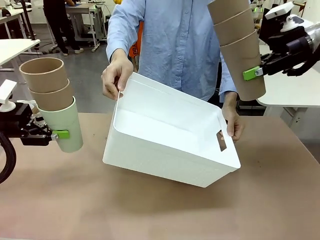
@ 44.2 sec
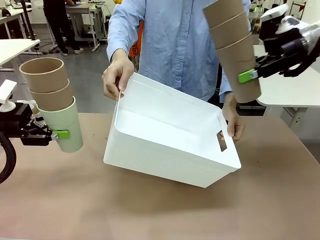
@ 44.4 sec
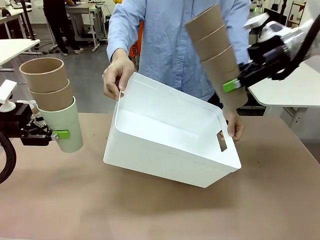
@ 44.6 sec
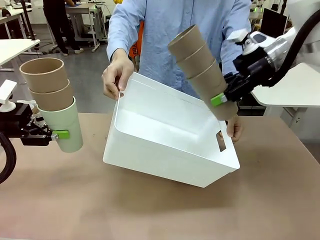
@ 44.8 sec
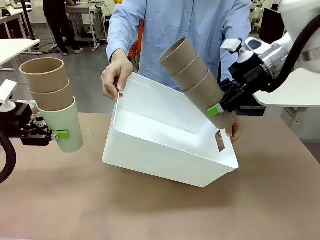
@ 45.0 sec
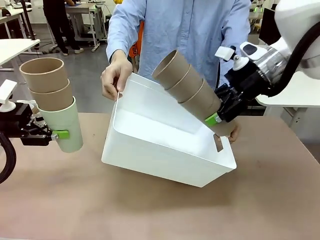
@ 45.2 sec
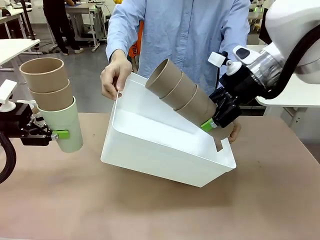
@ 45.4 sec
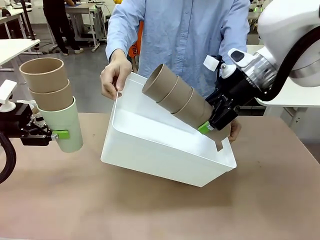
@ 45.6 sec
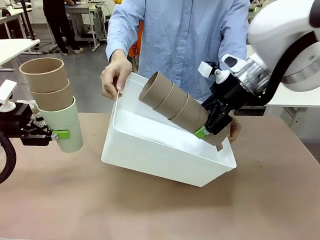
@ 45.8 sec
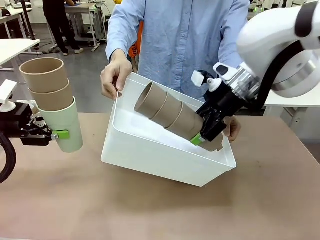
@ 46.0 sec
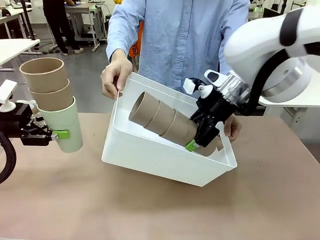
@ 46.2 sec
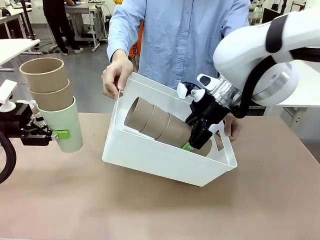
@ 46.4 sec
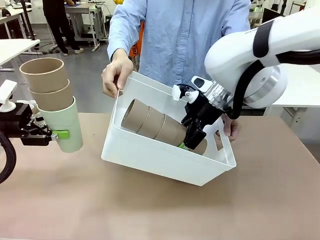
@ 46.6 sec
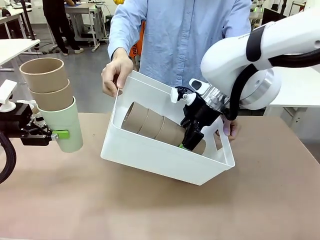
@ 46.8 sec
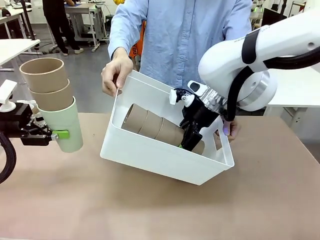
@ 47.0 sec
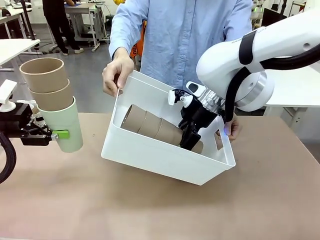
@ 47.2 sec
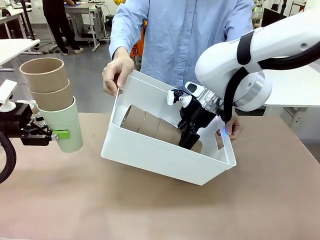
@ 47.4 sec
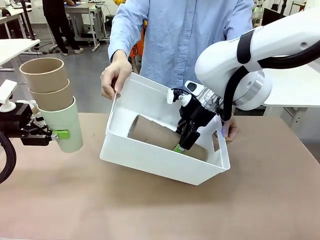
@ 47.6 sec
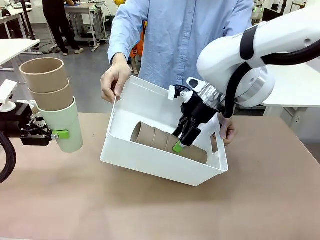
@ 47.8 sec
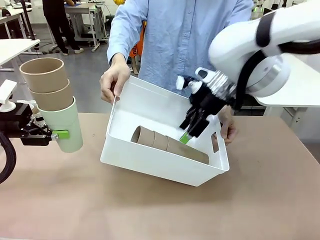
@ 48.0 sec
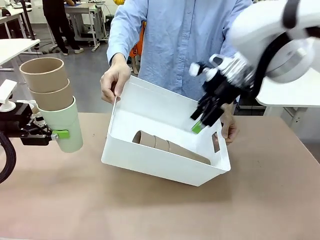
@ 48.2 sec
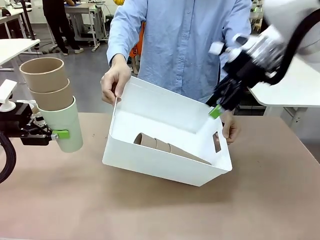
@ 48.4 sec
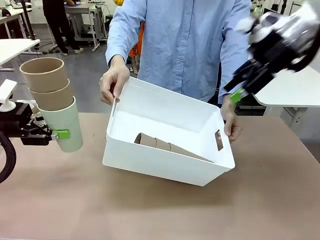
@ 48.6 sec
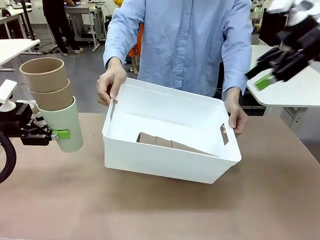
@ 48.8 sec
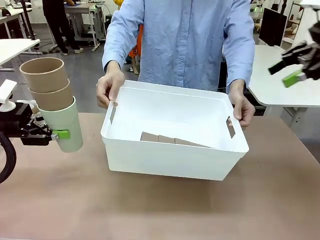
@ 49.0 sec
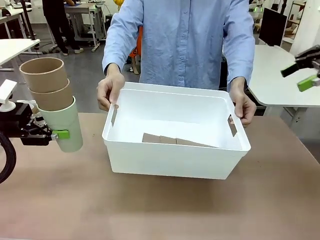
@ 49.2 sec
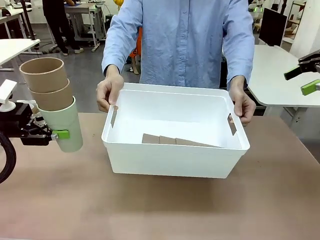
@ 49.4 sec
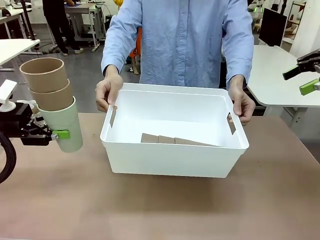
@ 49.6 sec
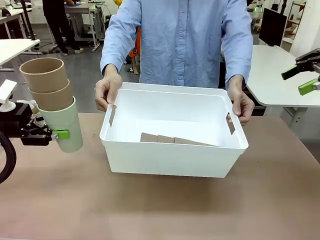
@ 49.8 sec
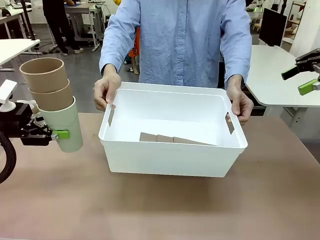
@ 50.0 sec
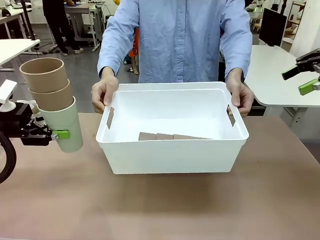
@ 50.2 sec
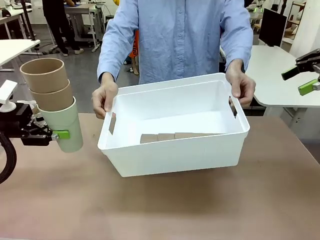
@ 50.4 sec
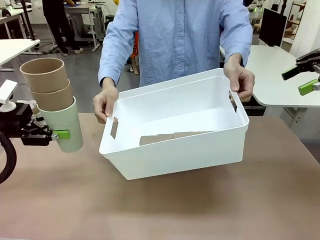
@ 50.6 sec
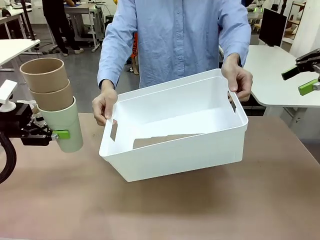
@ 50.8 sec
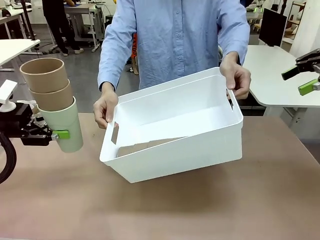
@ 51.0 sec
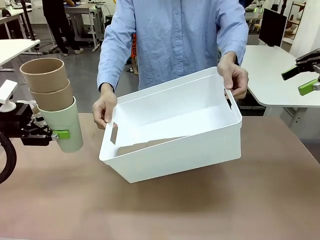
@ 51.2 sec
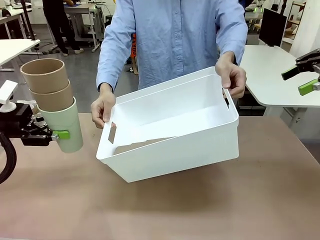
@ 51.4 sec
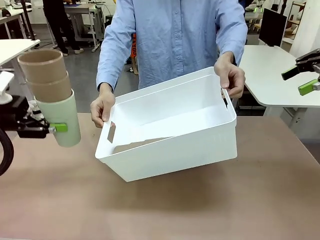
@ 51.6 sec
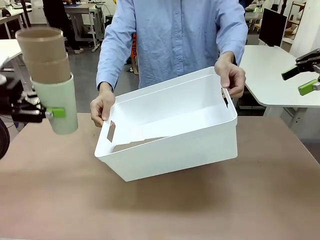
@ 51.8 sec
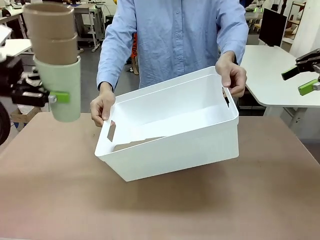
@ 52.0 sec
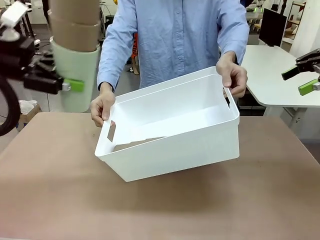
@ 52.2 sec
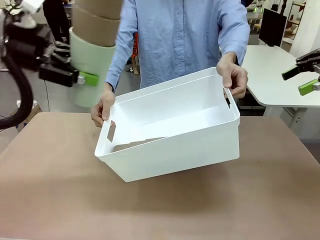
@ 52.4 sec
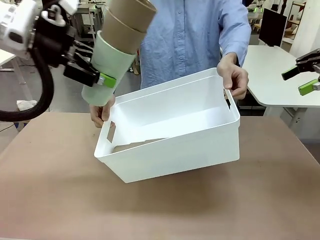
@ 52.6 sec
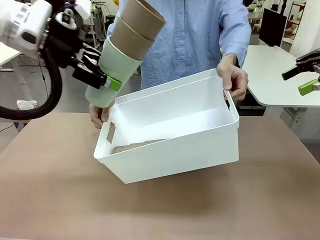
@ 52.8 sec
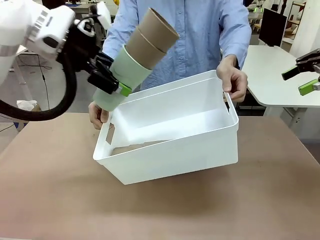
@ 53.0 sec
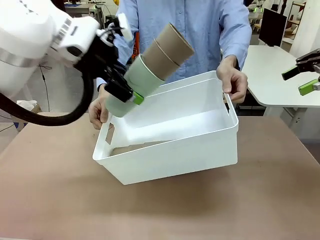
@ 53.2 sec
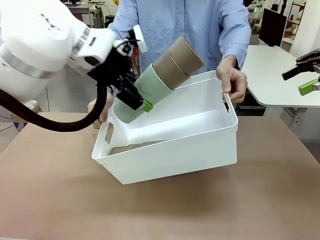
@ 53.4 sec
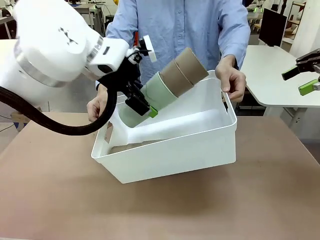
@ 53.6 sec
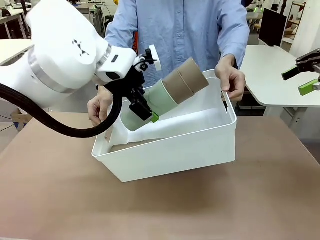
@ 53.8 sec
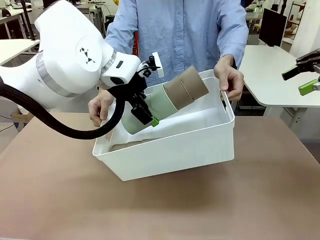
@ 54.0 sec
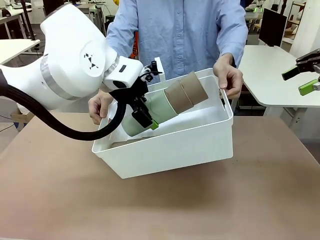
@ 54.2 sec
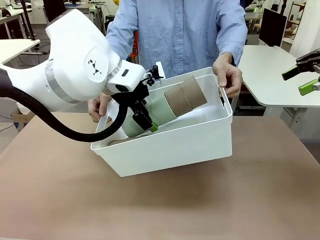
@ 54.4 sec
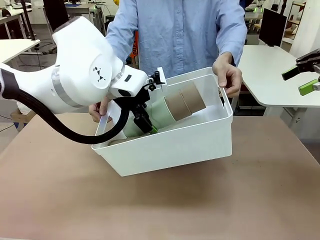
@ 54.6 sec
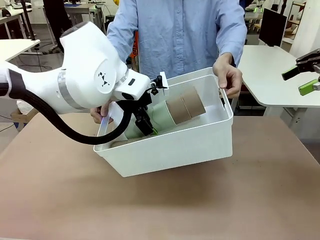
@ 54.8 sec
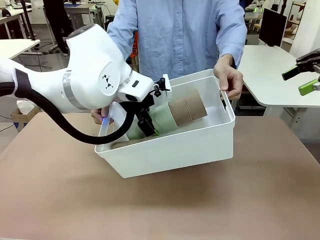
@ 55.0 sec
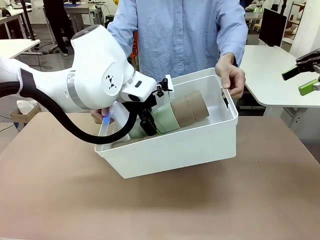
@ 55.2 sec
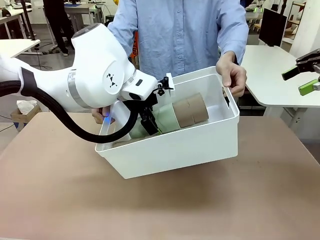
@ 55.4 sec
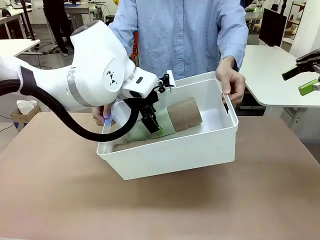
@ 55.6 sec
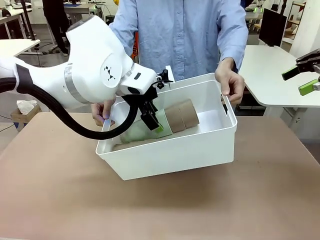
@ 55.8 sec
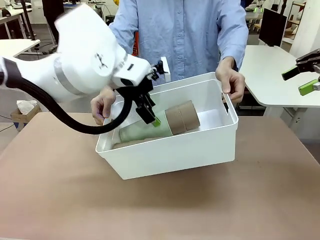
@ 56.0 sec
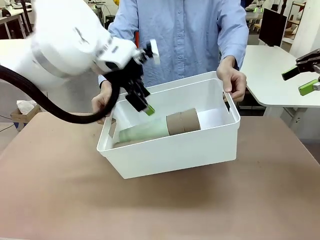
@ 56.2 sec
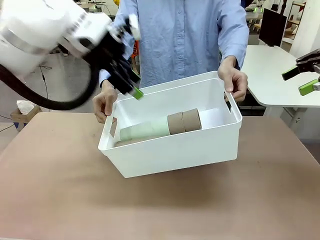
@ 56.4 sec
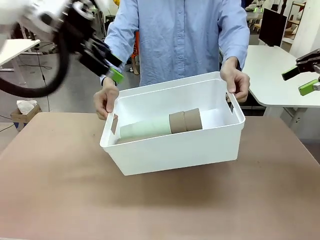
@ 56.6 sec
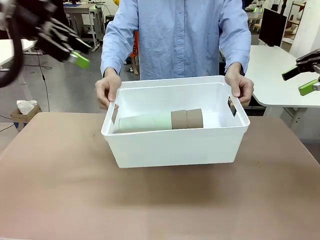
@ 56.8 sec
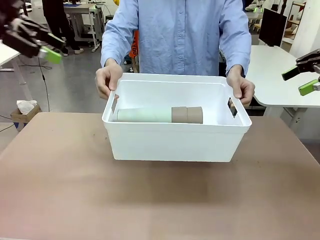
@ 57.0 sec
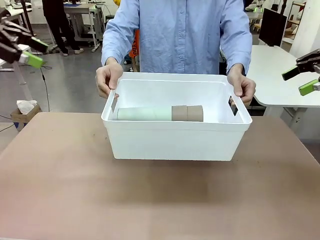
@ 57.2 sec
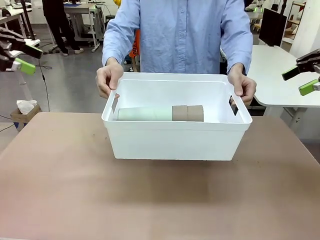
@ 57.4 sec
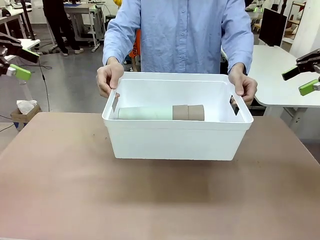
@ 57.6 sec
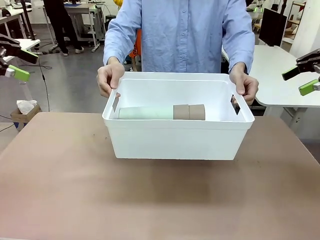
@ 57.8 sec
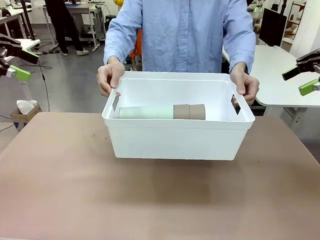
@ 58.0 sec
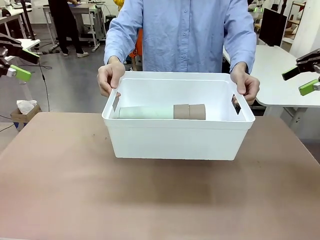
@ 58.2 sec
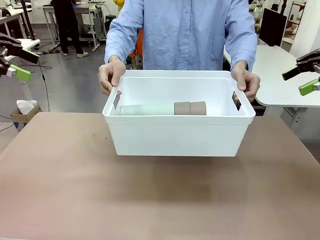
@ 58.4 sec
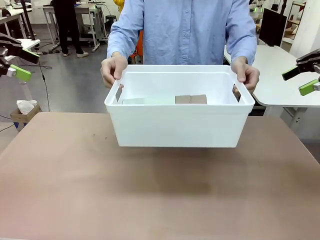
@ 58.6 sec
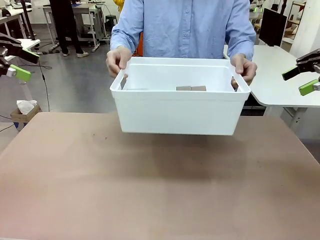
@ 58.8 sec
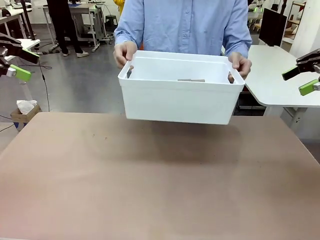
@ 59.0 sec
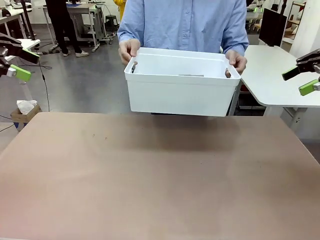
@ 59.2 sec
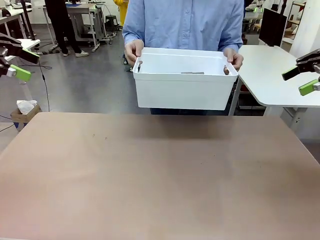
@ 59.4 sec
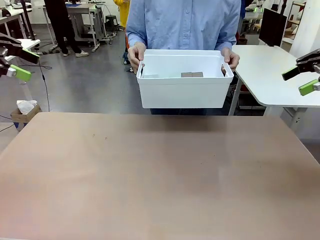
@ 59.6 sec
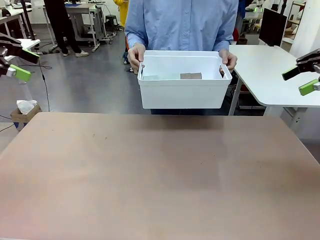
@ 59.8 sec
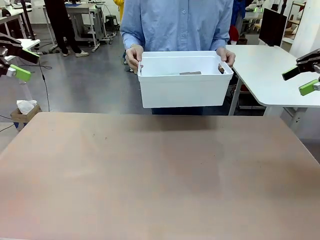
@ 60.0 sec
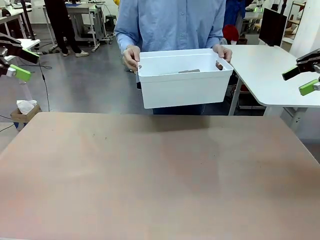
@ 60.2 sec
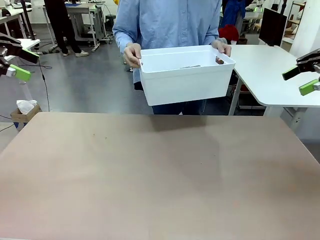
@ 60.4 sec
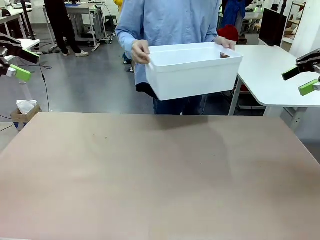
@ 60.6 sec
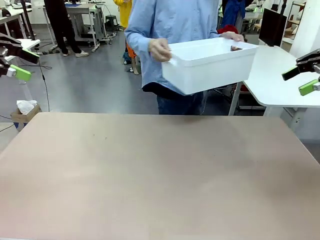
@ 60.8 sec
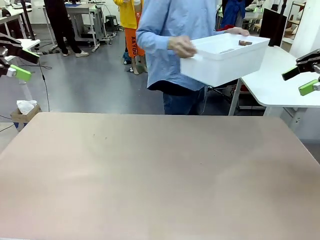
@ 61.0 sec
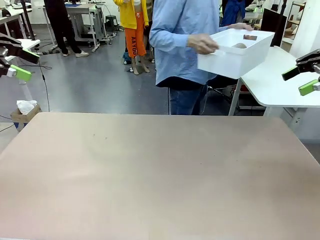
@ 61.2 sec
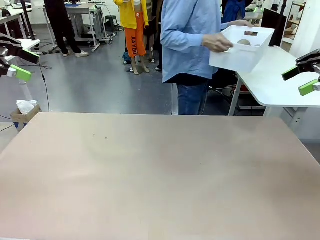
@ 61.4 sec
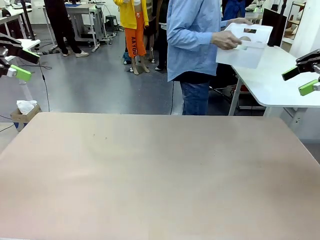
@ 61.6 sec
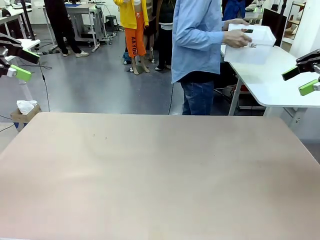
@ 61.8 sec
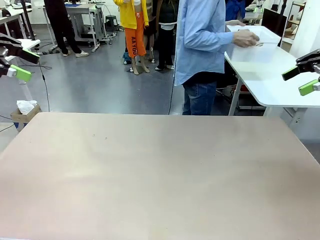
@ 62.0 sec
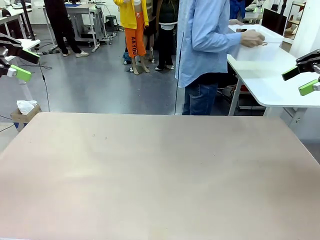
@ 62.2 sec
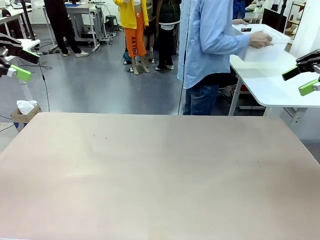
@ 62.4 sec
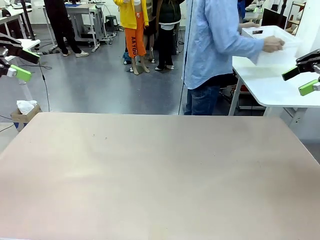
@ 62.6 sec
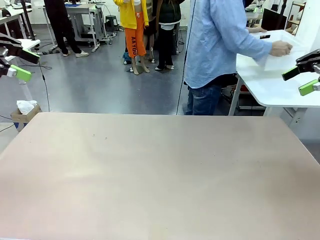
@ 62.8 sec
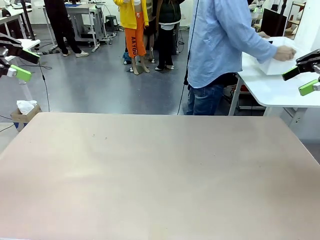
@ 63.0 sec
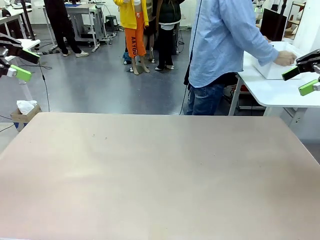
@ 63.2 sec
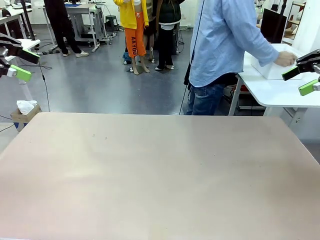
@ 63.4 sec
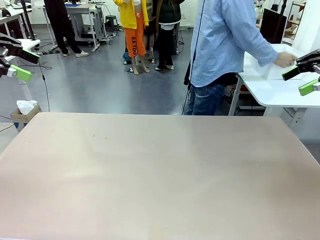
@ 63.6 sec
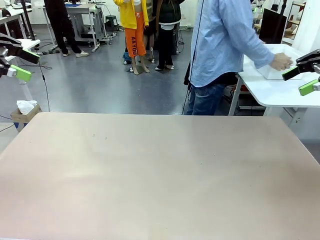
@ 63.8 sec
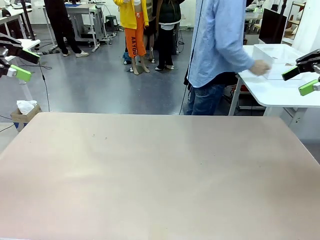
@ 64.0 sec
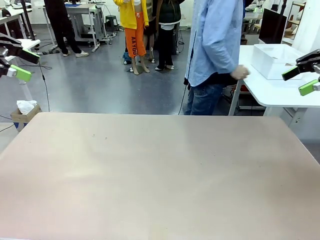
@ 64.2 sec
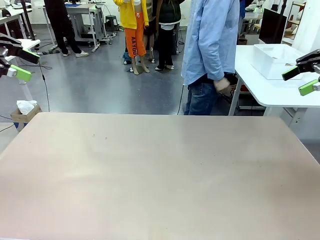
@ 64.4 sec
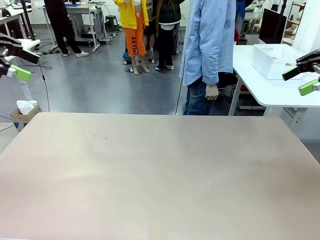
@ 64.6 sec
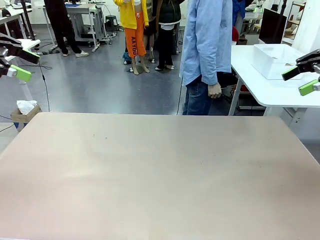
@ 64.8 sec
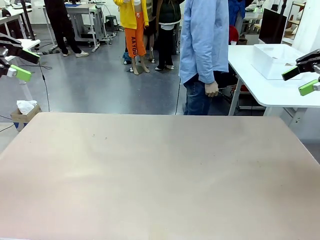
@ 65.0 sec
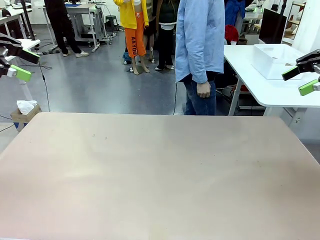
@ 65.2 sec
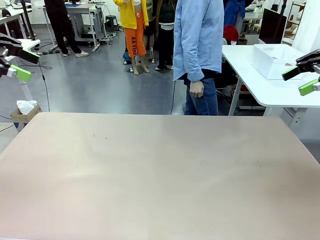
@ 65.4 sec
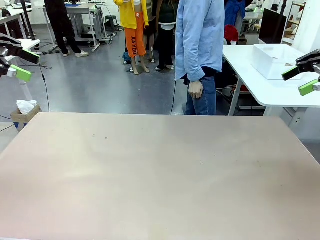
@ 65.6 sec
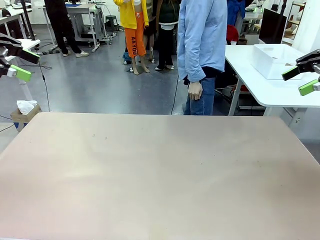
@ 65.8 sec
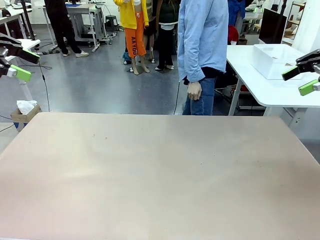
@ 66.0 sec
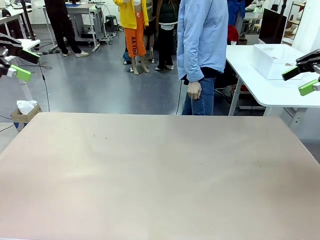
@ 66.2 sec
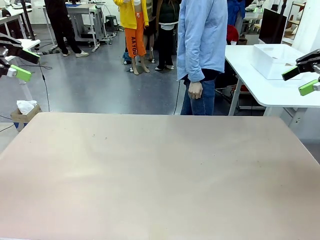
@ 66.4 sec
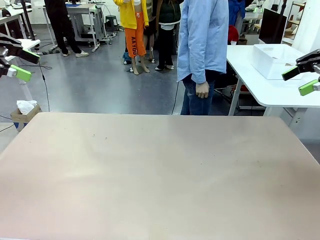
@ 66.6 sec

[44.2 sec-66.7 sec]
Task: Stack the cups and store them in the basket.
Robot: Place the stack of Reusable plastic cups into the Pantry Basket.
Person: Place the basket containing the cups in the middle of the Human Table.
